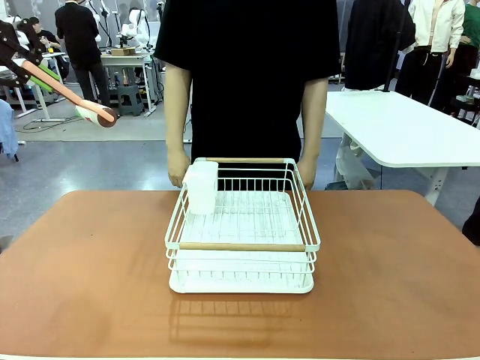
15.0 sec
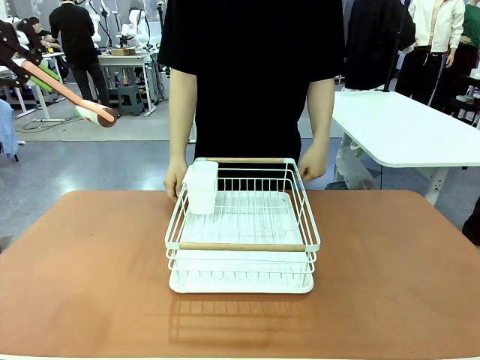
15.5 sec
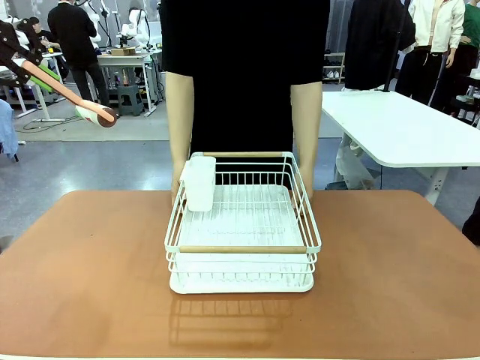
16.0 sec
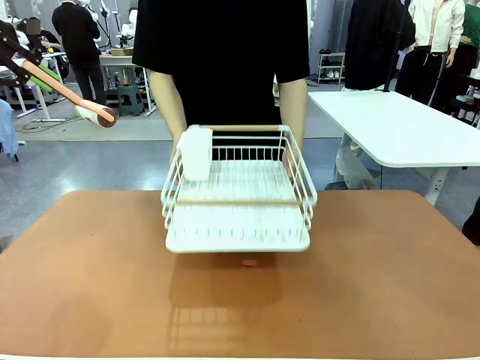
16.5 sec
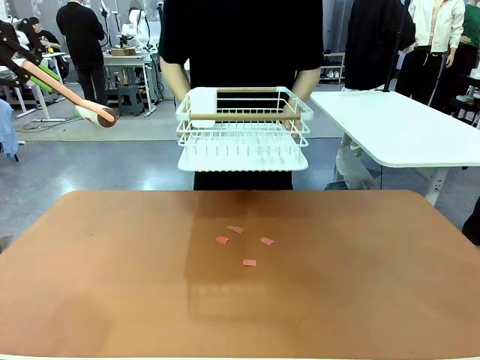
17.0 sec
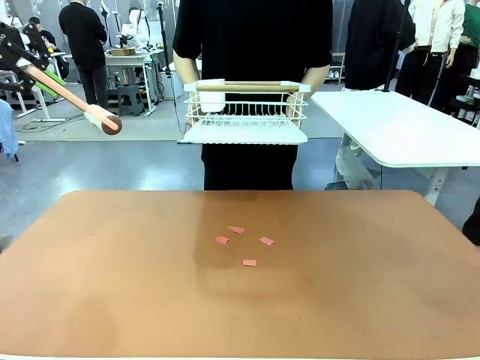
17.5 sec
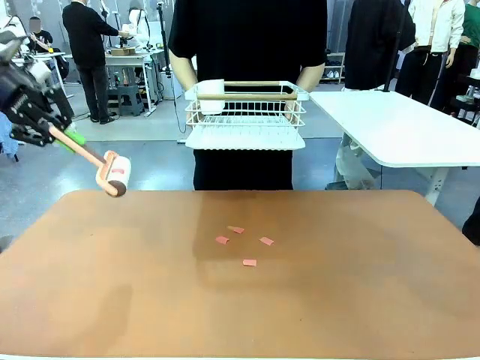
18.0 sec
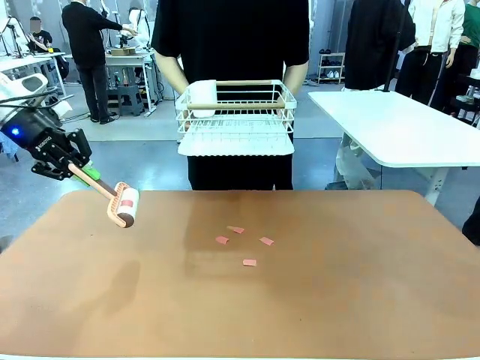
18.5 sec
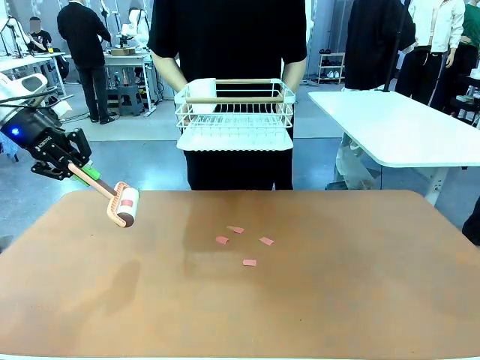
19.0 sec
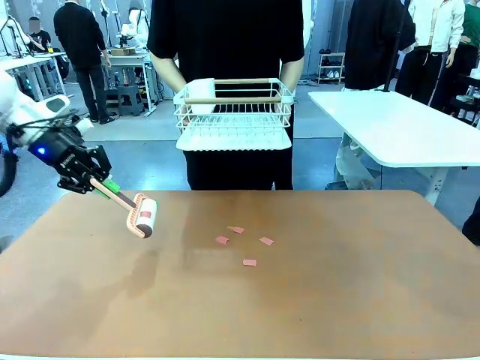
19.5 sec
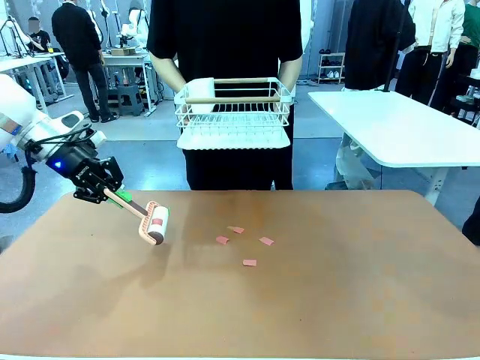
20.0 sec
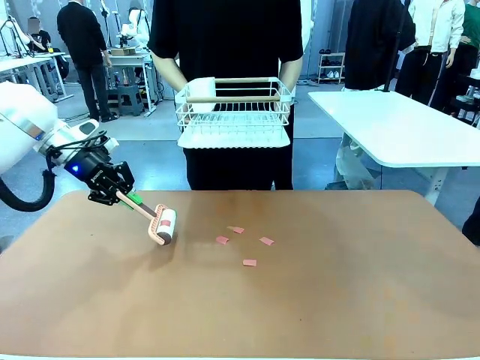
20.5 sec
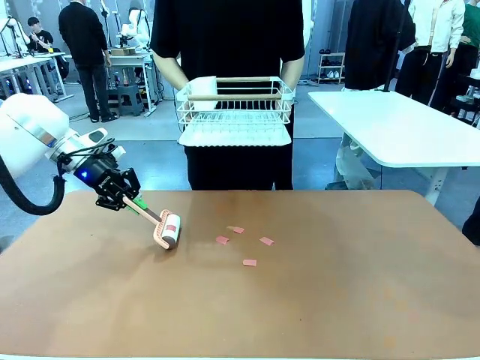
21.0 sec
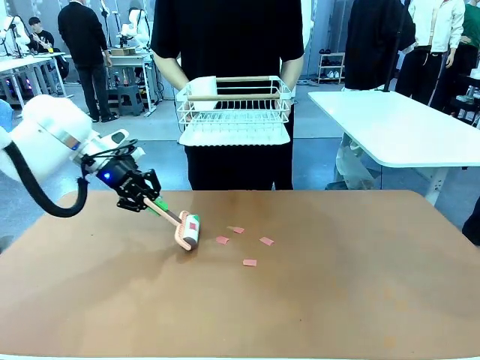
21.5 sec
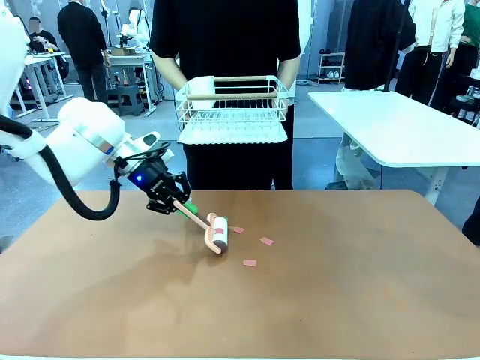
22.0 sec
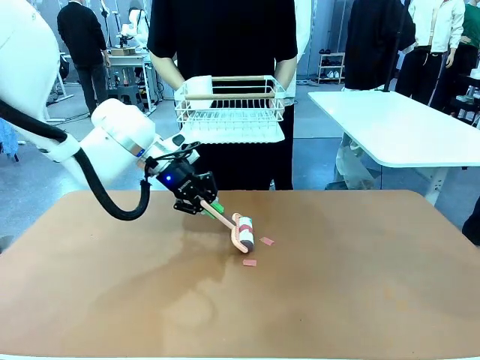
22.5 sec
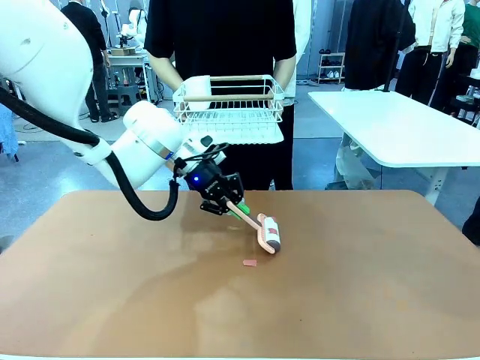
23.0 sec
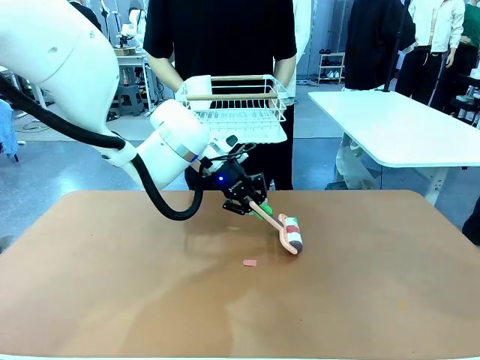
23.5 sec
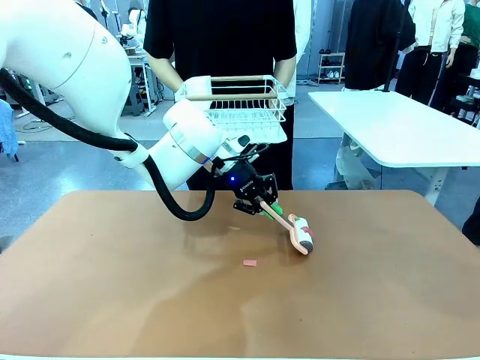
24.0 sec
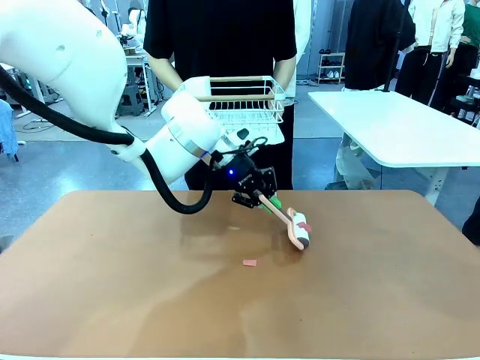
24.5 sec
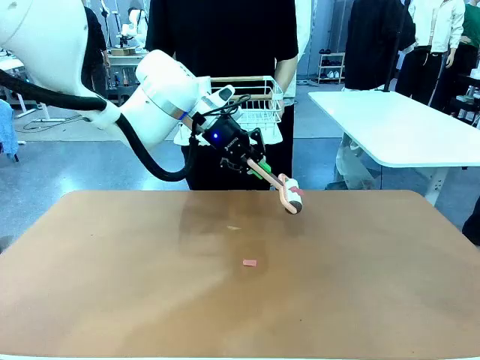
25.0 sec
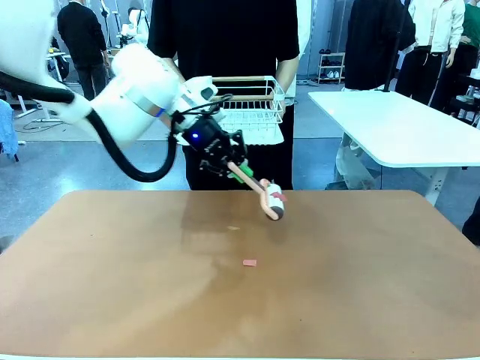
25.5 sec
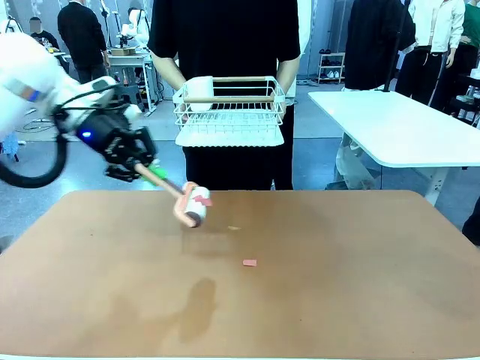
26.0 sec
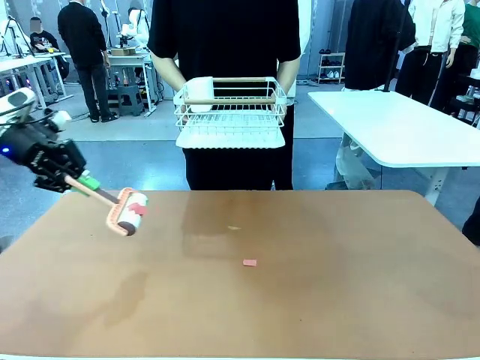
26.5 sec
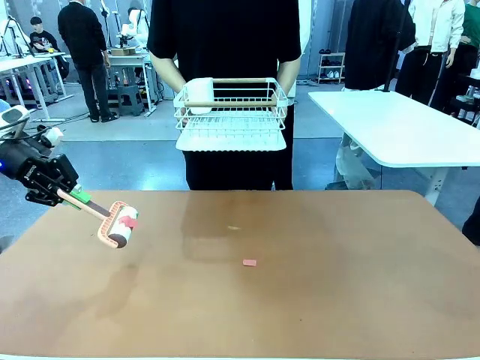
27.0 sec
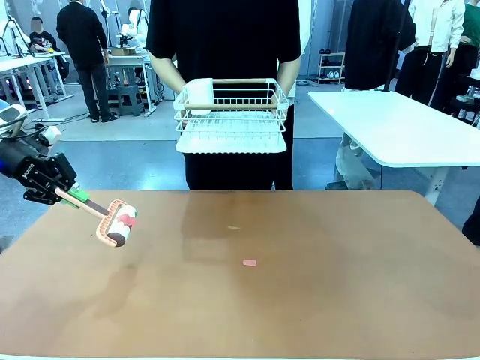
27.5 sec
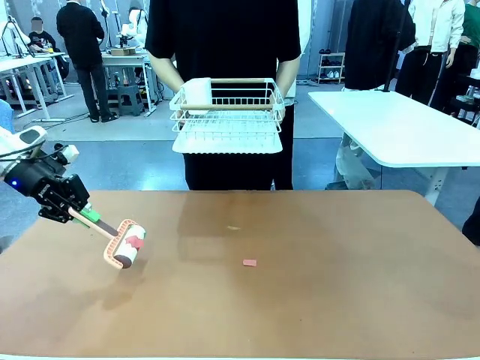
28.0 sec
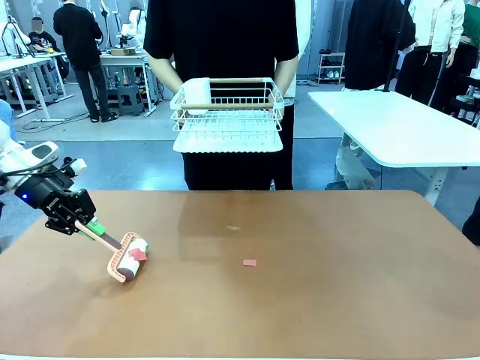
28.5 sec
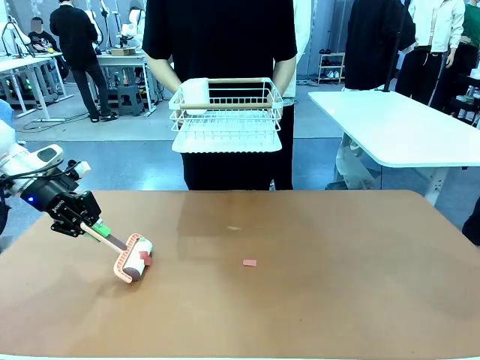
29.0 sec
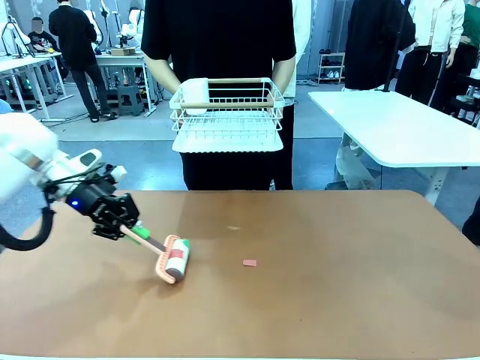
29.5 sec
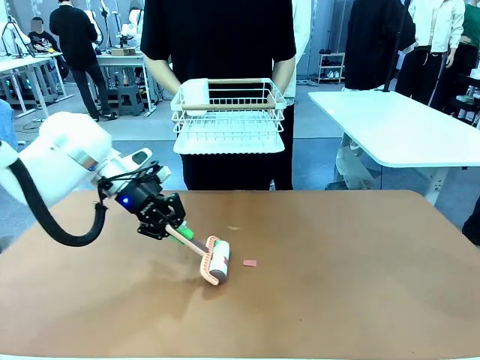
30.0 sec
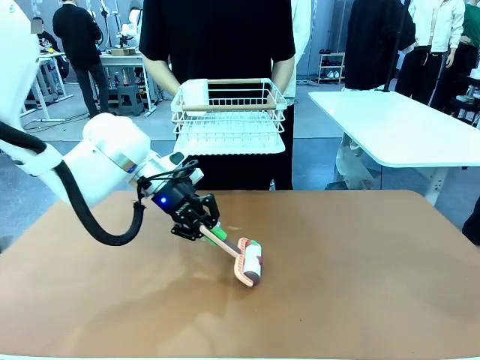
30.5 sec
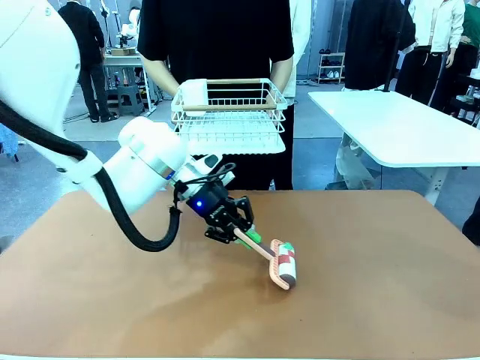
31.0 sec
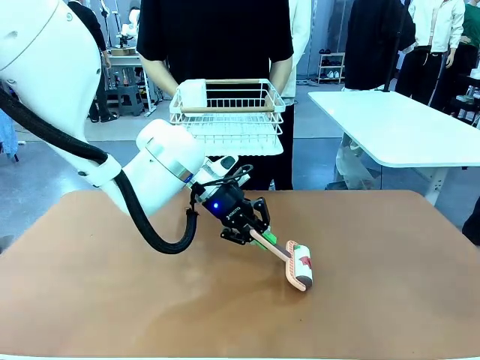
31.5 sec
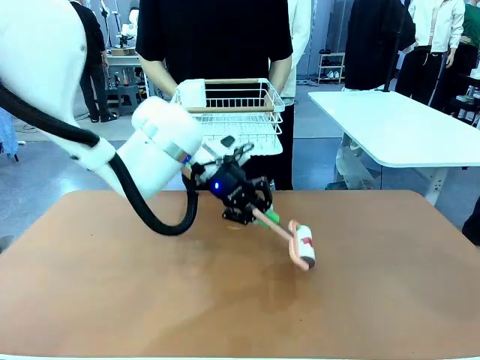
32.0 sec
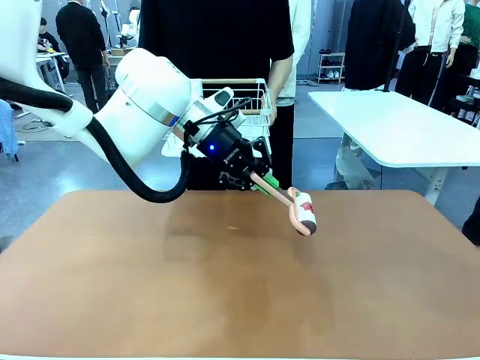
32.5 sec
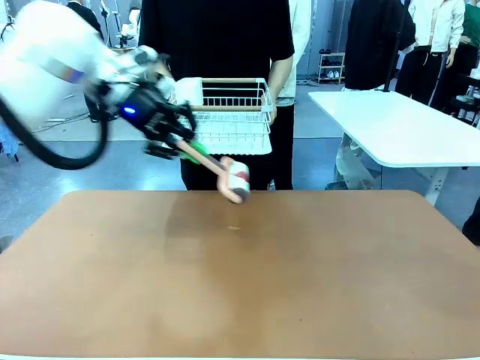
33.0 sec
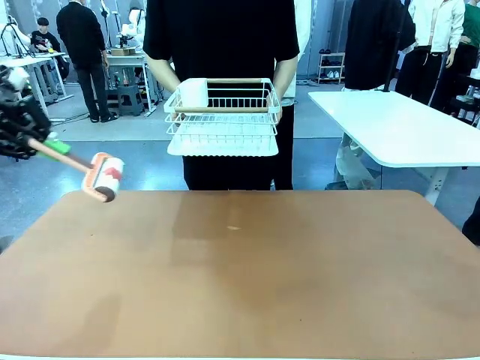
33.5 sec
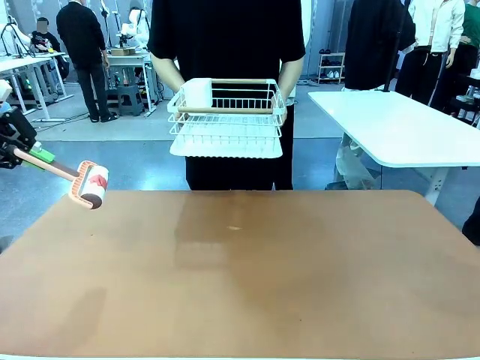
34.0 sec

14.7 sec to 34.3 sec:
Task: Clean the table.
Robot: Clean the table with the Lint Roller when the human lifts the Dish drying rack.
Person: Place the Dish drying rack down when the robot finishes cleaning.

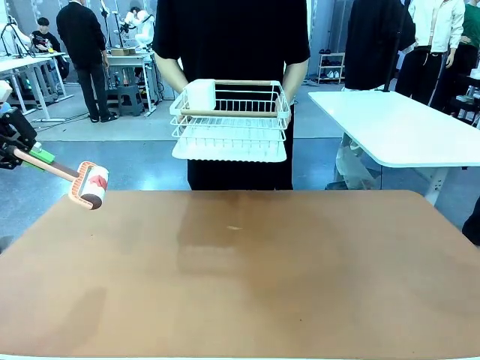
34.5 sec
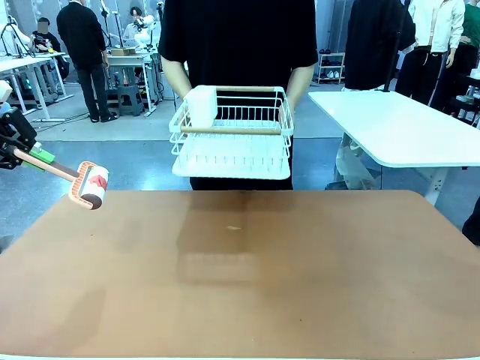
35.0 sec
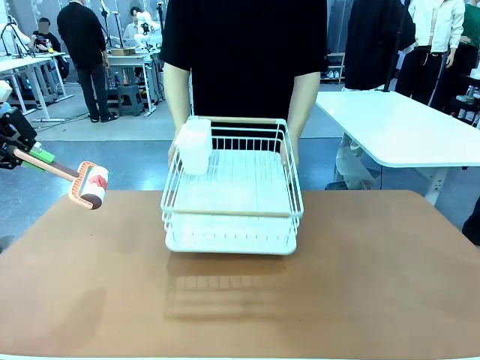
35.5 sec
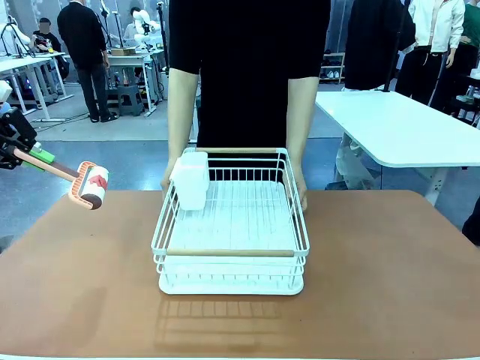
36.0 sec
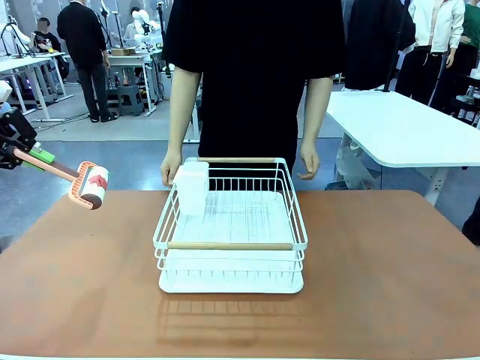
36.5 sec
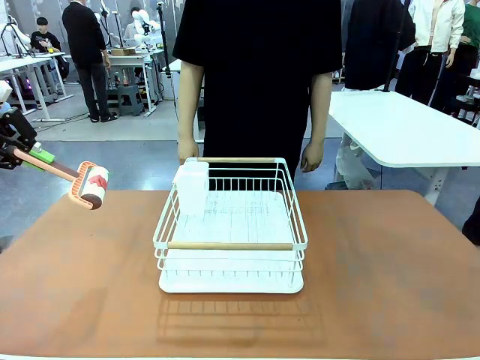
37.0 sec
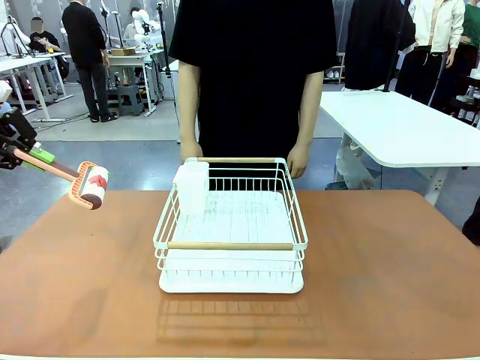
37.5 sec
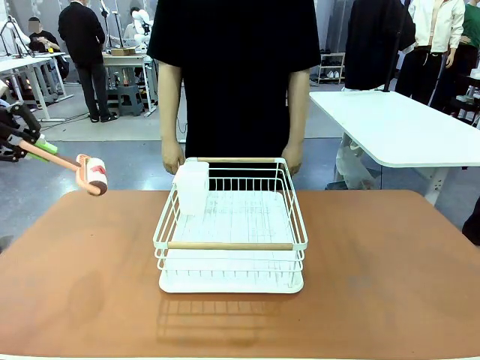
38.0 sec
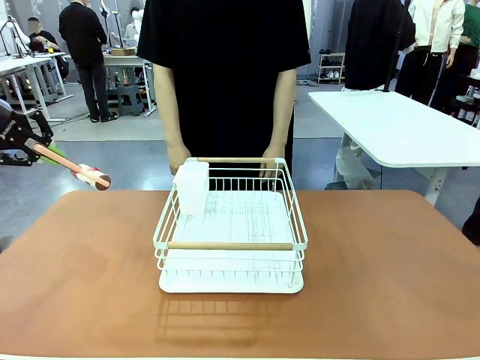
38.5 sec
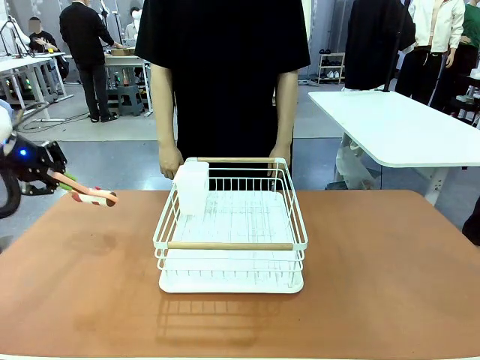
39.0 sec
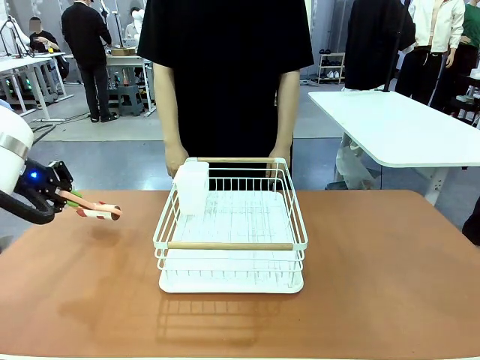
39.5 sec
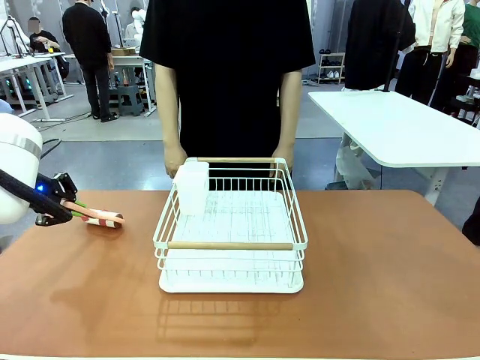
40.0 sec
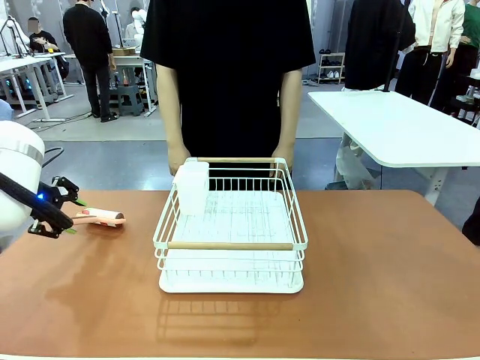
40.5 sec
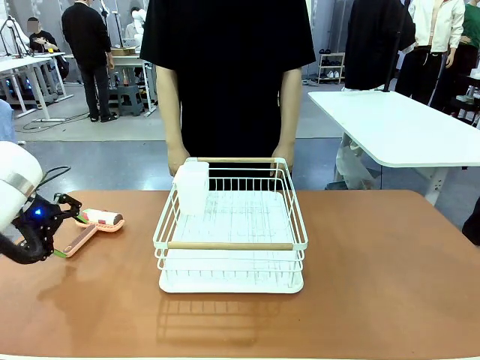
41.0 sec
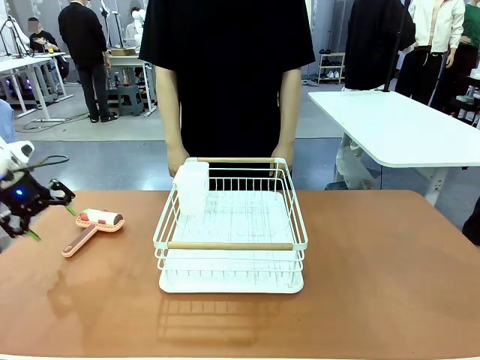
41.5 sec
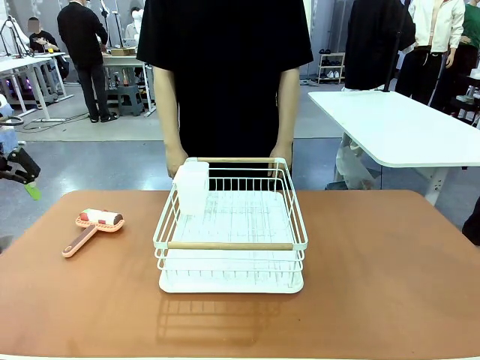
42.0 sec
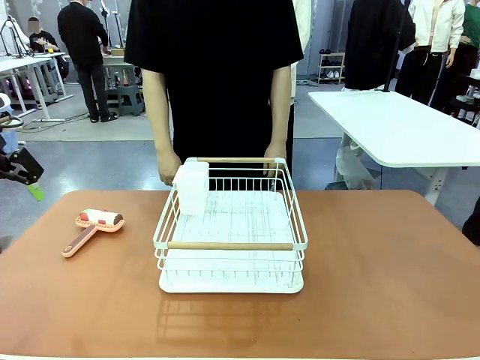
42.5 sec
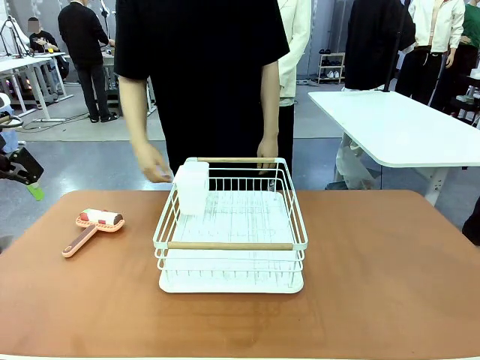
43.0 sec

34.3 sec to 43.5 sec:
Robot: Place the Lint Roller down when the Dish drying rack is positioned in the middle of the table.
